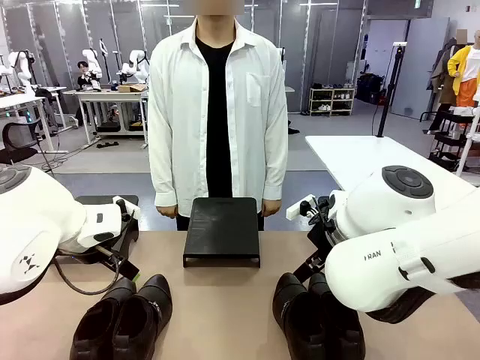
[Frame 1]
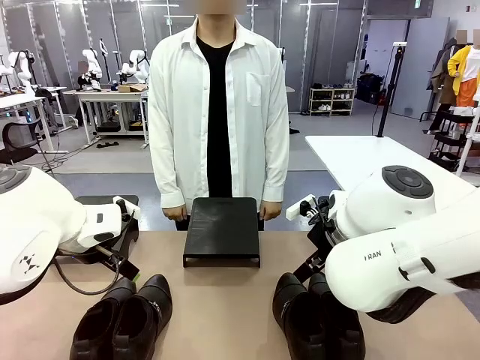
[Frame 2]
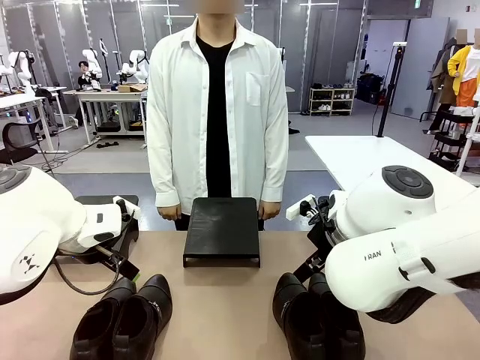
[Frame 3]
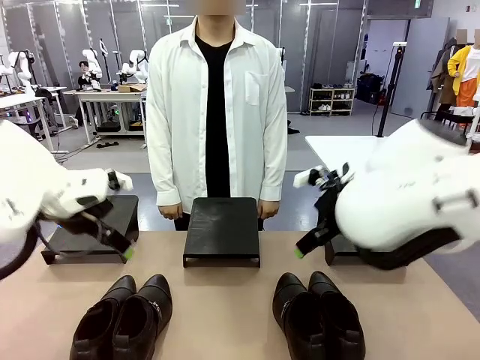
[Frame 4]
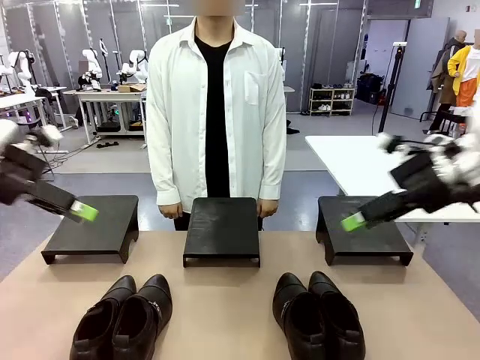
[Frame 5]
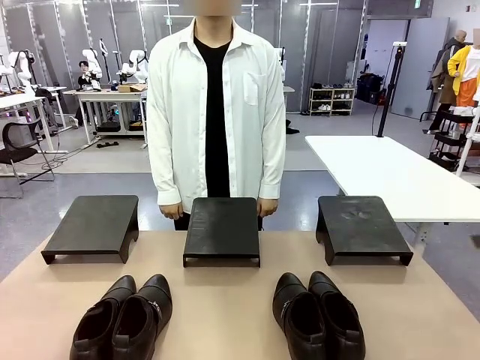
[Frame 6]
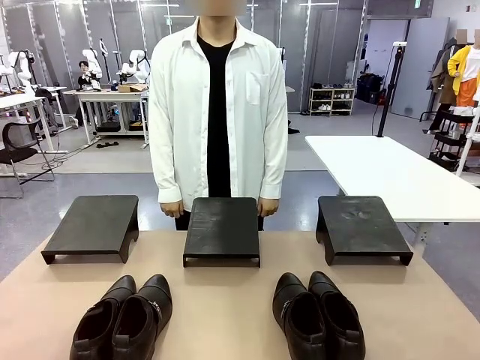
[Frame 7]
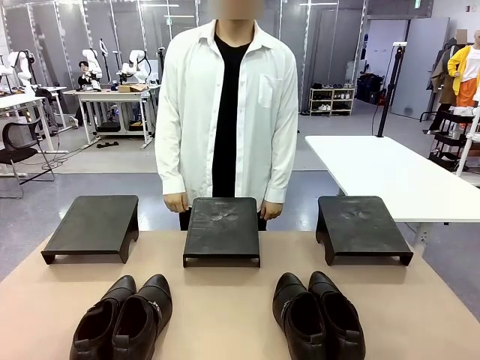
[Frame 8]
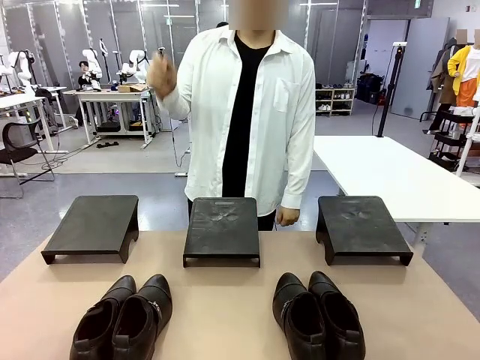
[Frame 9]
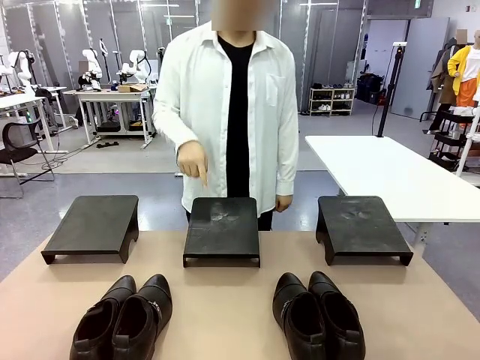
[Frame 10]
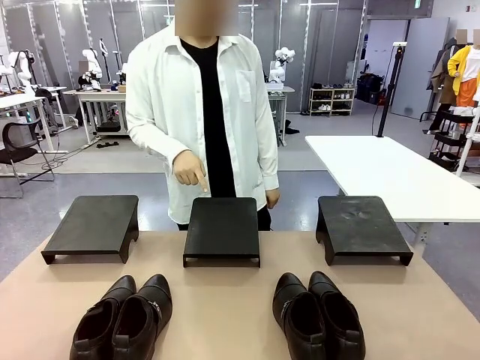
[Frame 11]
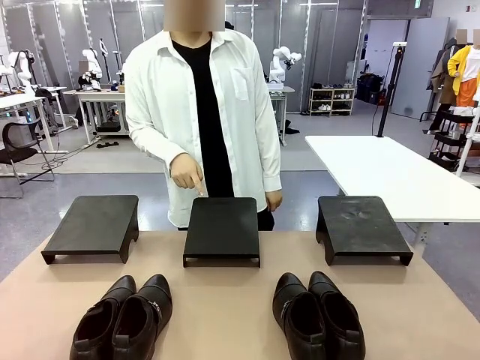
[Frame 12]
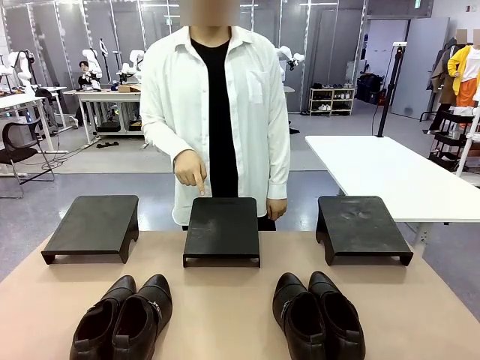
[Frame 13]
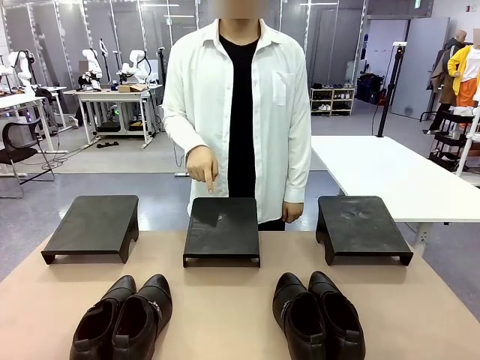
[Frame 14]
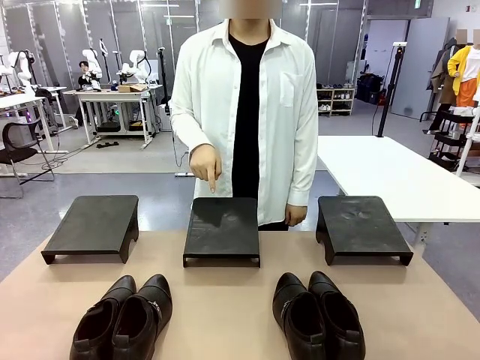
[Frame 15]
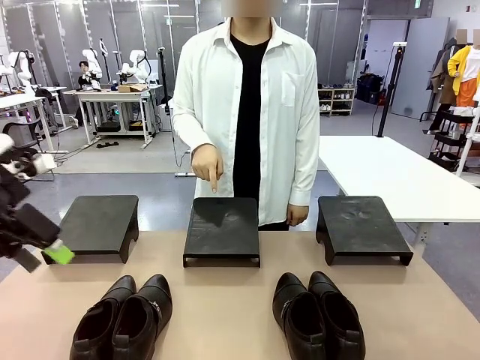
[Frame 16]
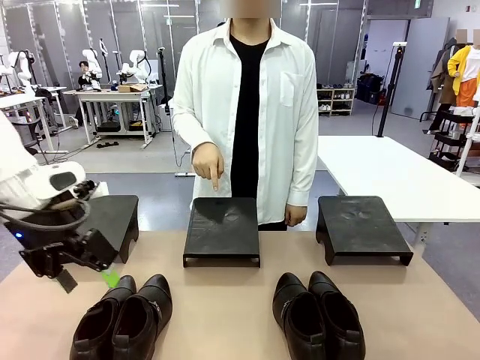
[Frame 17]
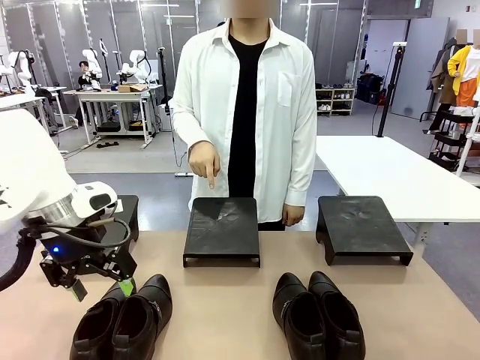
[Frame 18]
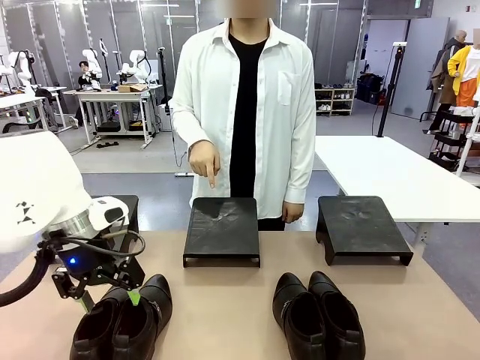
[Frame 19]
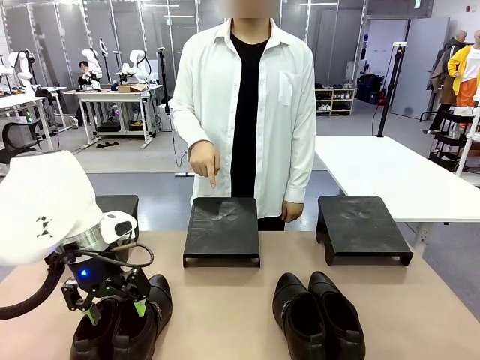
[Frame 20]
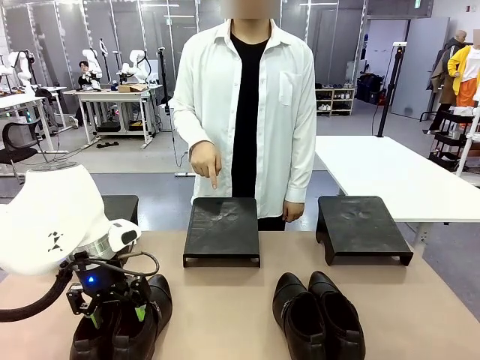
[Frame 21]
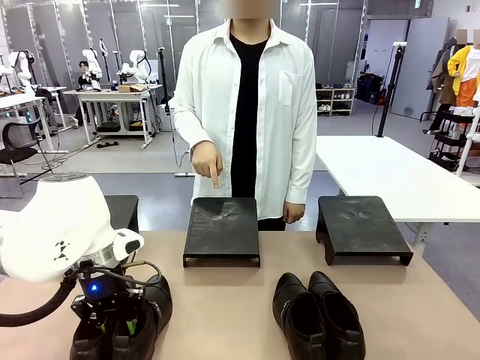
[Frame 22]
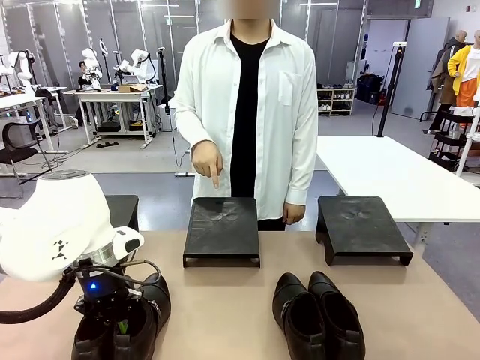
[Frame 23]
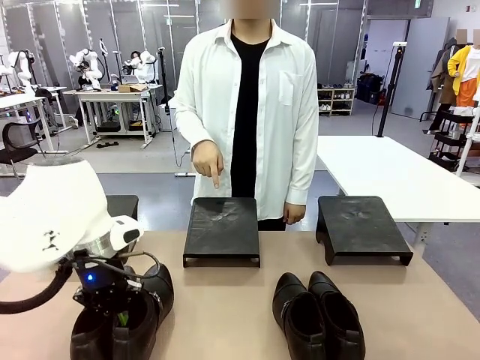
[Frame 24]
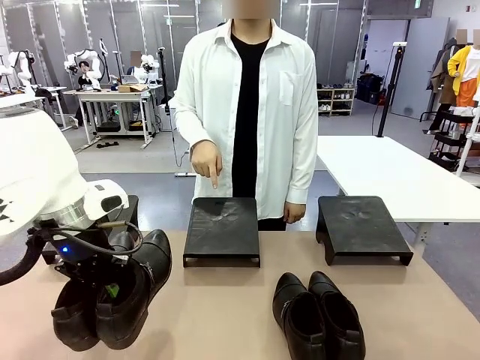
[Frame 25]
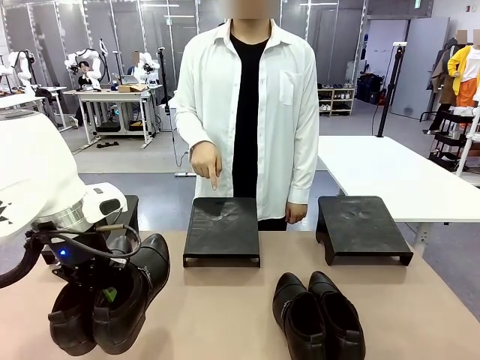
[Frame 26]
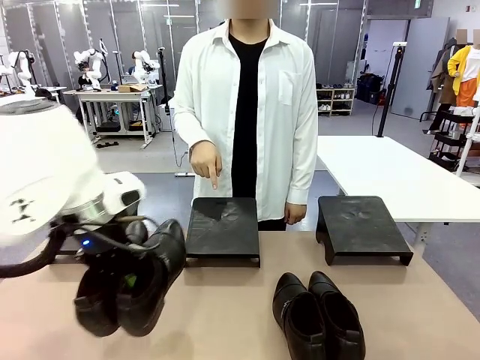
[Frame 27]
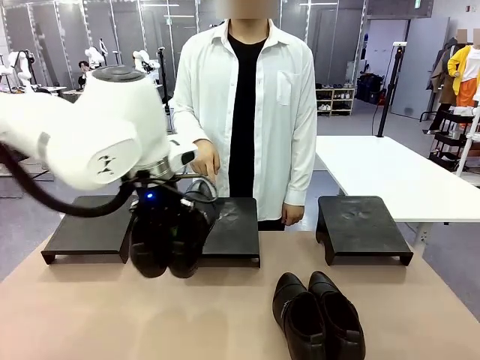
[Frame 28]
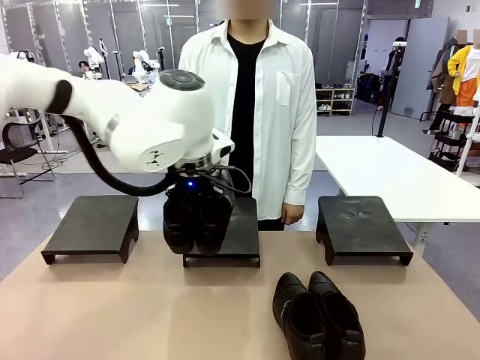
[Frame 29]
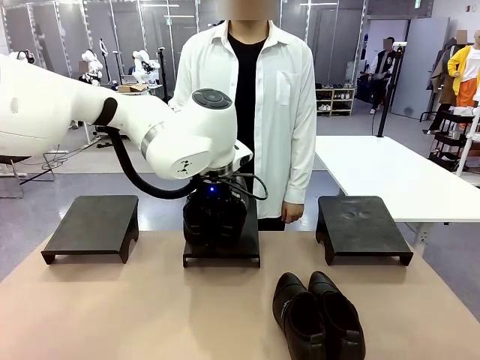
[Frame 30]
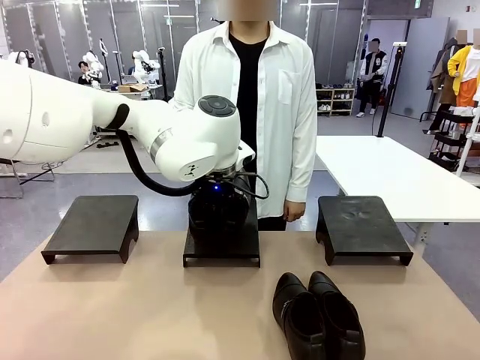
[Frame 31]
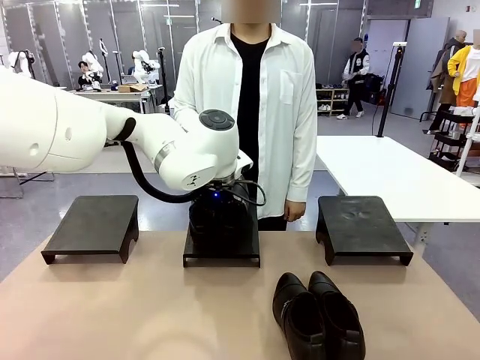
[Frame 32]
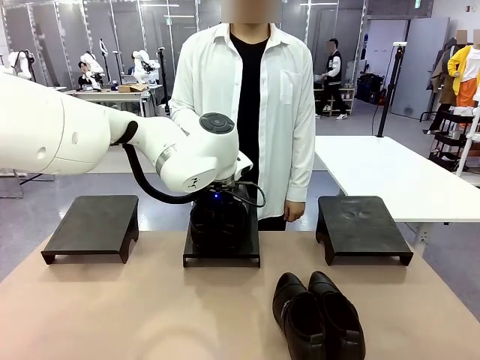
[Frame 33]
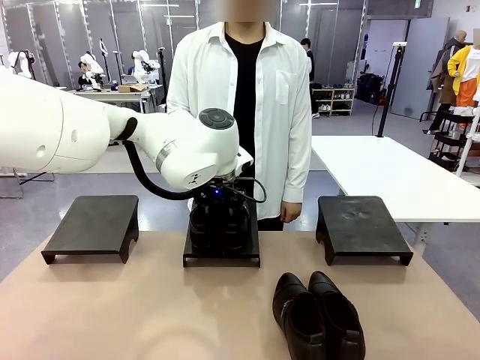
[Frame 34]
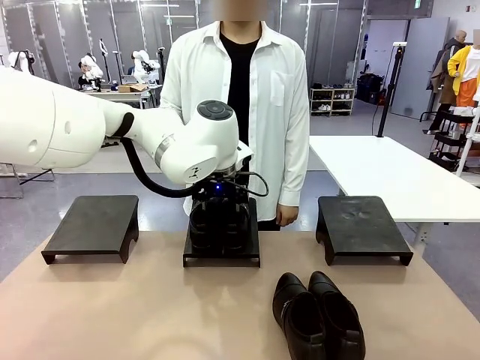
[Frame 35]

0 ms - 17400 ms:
Task: Place the shoes on the stand as instructed by the person.
Robot: Pick up one pair of Shoes and place it on the Shoes Stand indicated by the person.

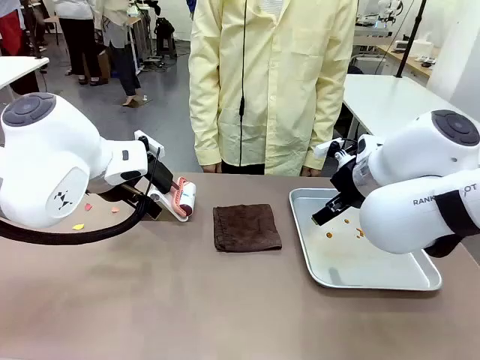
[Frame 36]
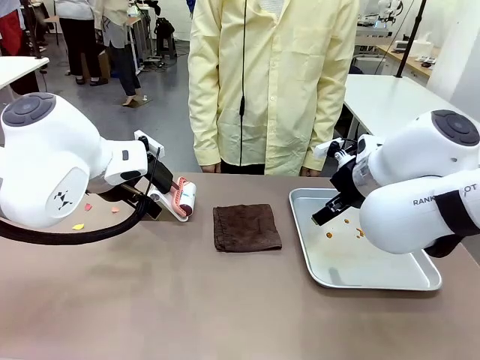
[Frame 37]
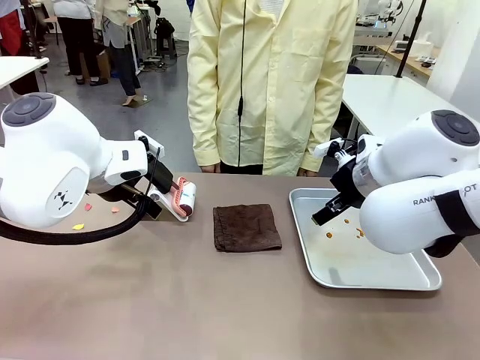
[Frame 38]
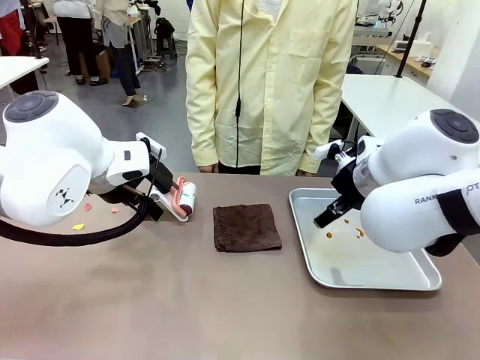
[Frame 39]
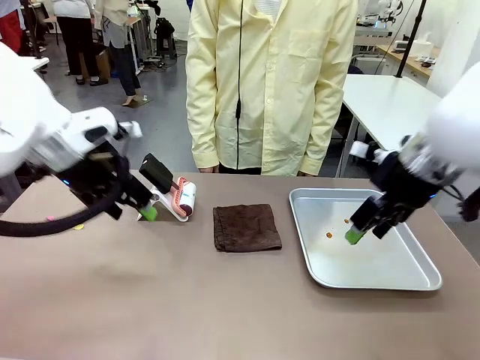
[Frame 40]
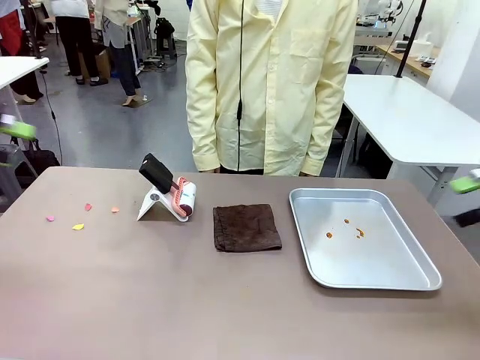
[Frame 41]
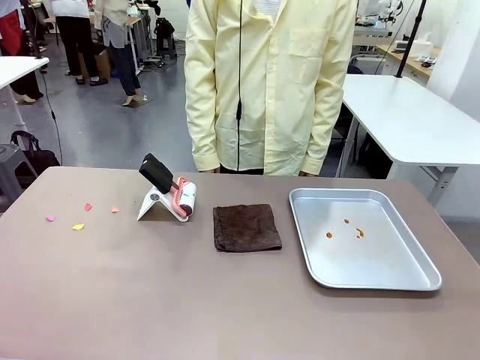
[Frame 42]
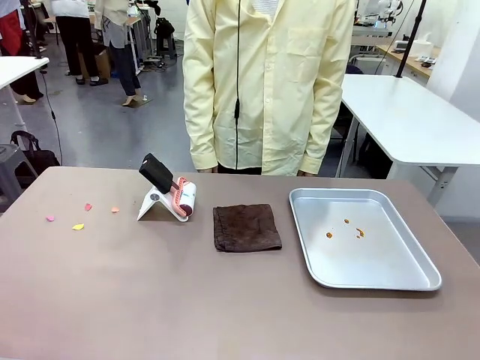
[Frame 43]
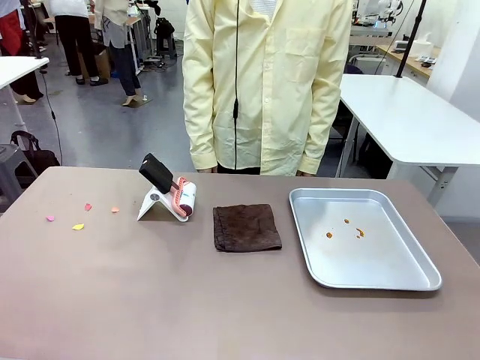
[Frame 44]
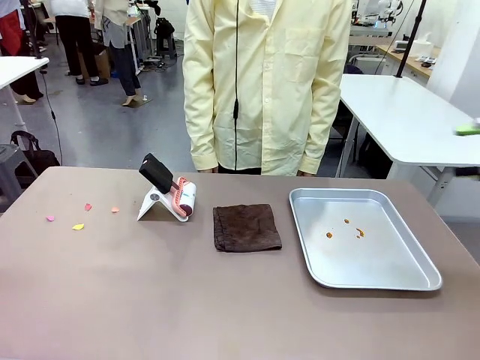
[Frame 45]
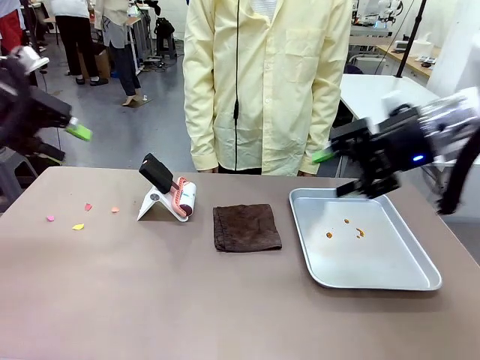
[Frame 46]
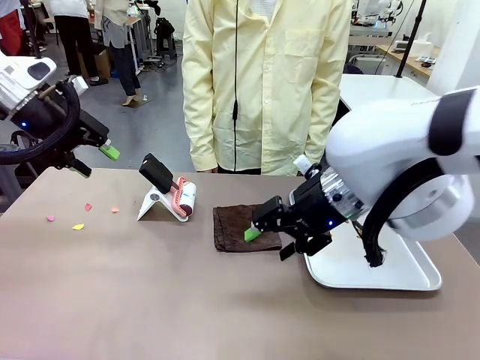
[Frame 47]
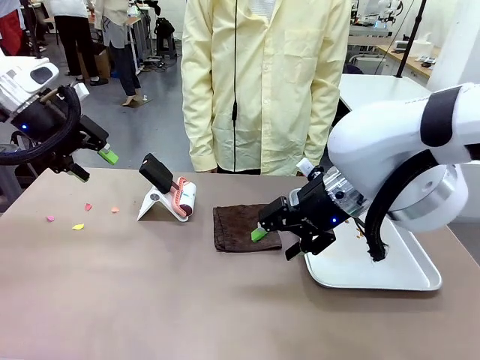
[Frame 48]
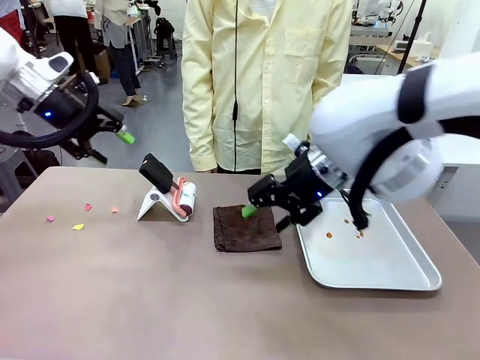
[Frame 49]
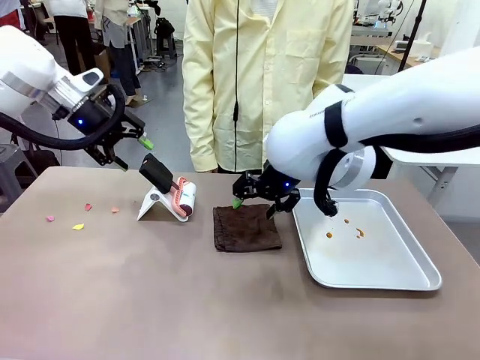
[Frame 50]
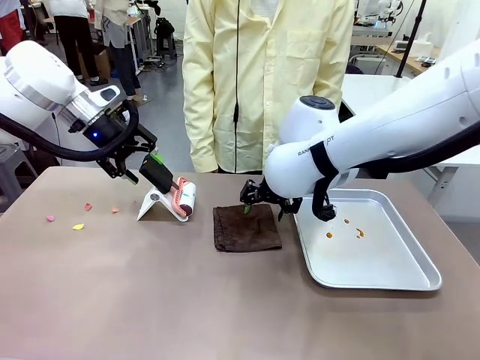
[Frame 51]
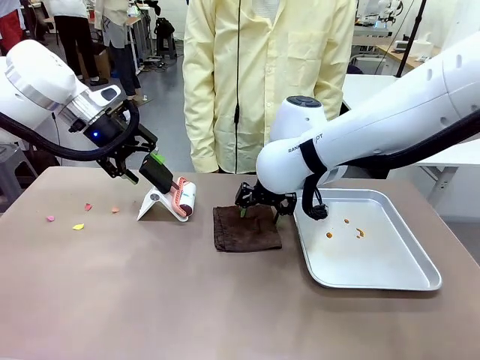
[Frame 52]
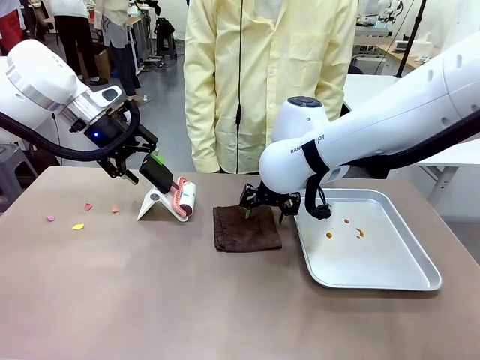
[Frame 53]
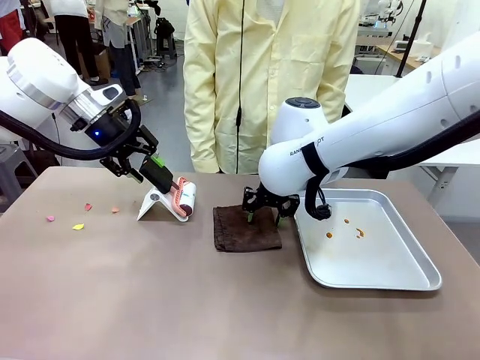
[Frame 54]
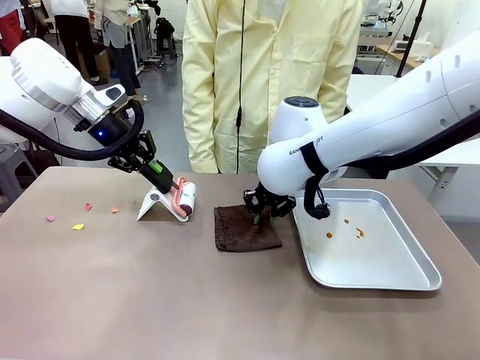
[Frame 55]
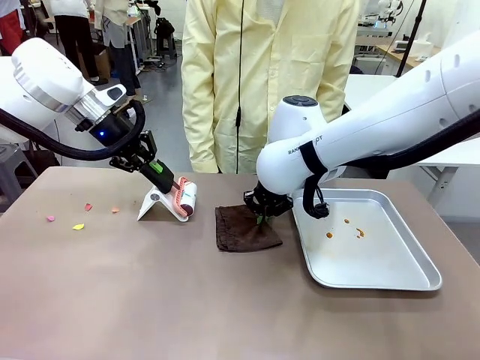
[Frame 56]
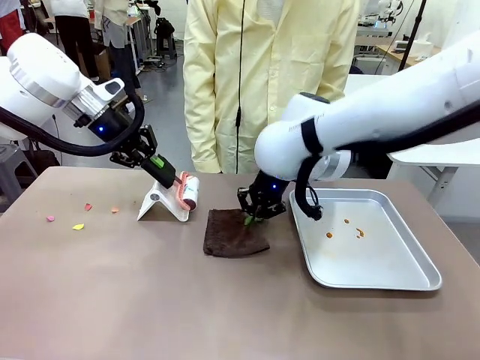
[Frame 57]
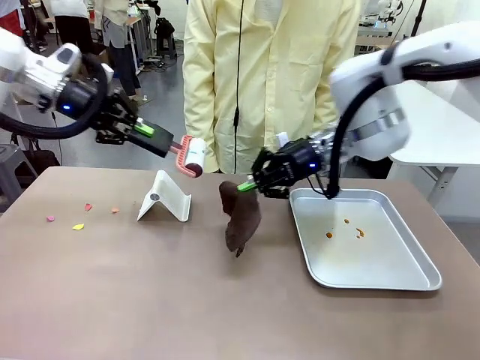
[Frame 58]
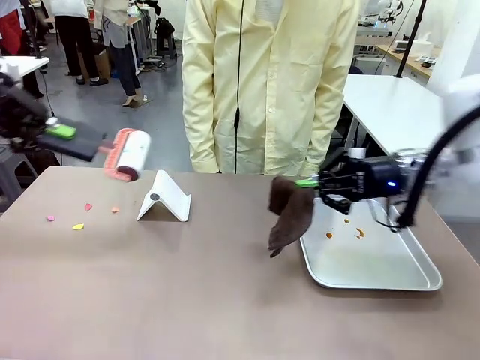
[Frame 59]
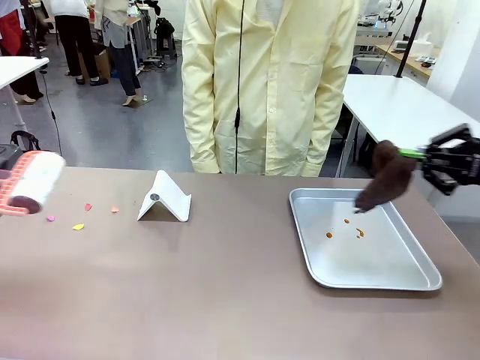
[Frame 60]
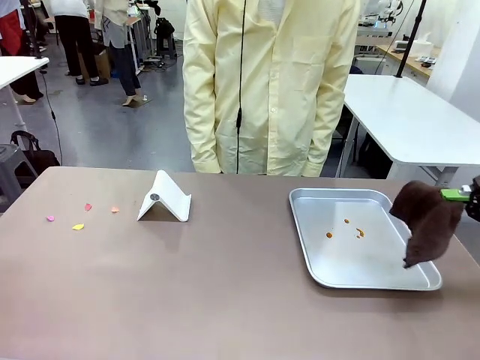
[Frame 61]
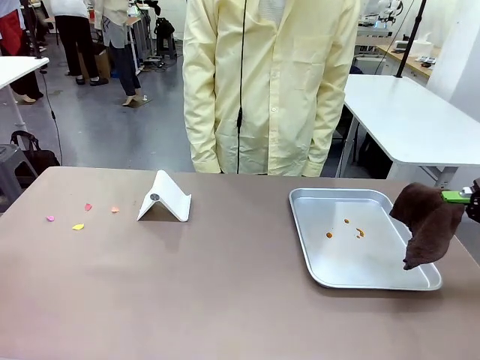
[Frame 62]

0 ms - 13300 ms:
Task: Clean the surface of the table.
Robot: Hold the Lint Roller with your left hand and the towel with your right hand.
